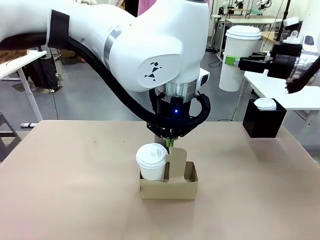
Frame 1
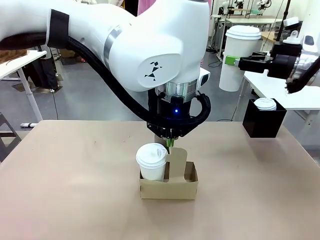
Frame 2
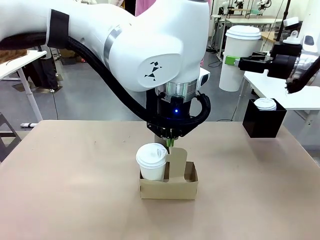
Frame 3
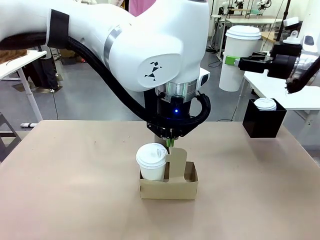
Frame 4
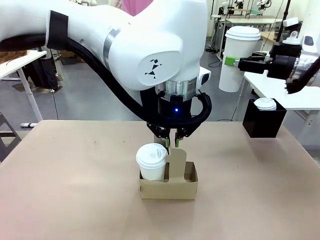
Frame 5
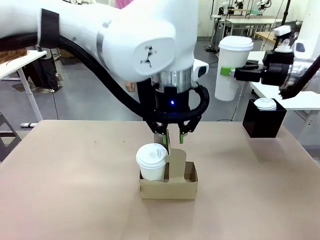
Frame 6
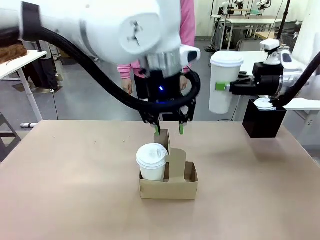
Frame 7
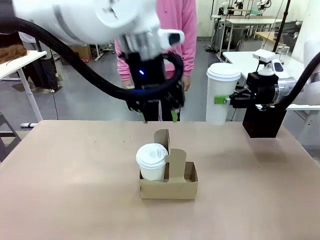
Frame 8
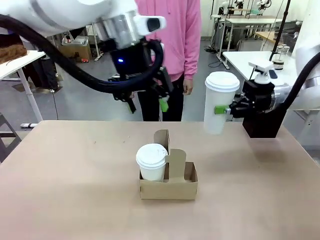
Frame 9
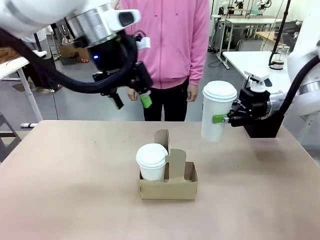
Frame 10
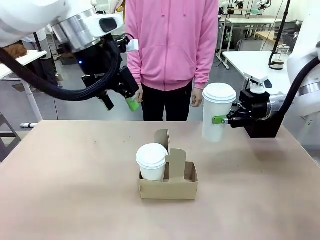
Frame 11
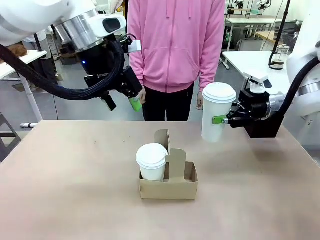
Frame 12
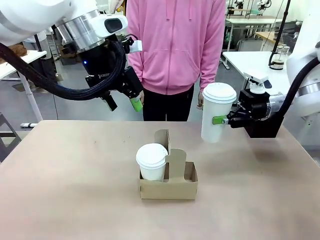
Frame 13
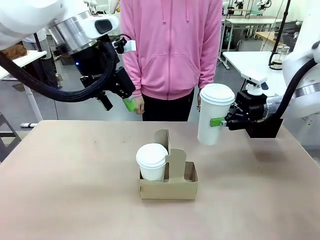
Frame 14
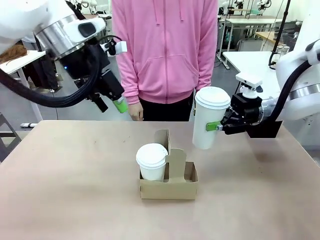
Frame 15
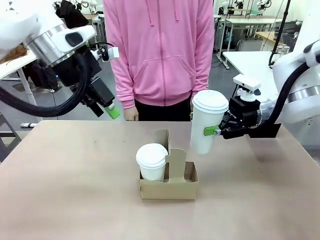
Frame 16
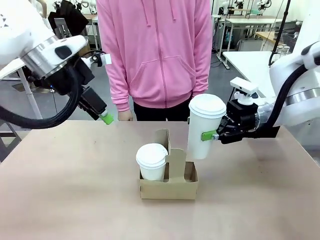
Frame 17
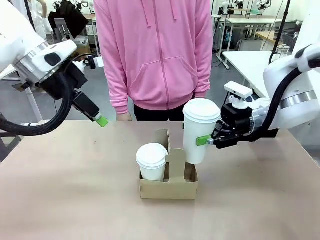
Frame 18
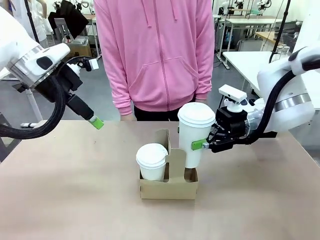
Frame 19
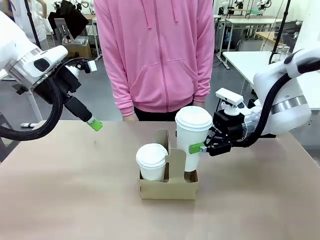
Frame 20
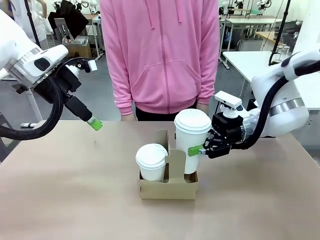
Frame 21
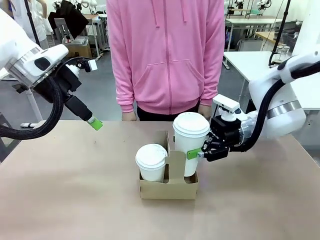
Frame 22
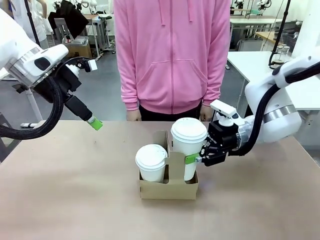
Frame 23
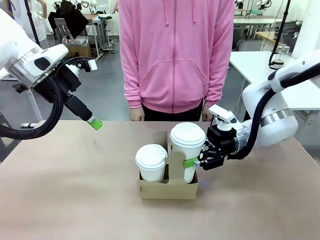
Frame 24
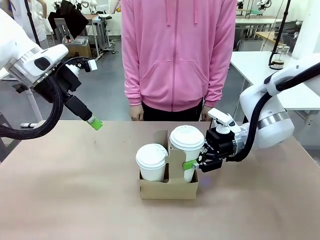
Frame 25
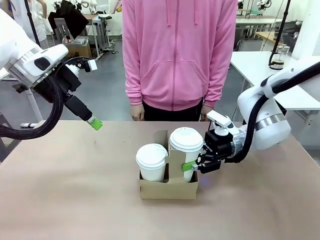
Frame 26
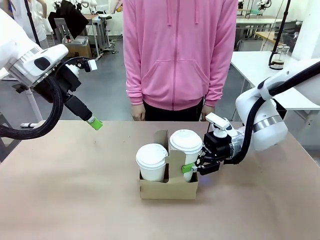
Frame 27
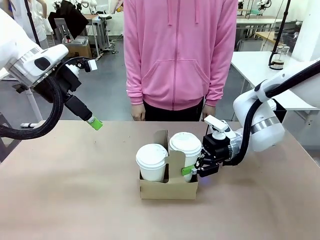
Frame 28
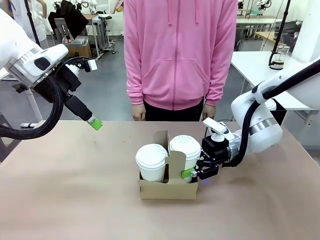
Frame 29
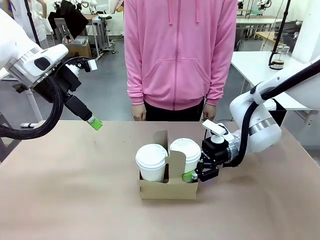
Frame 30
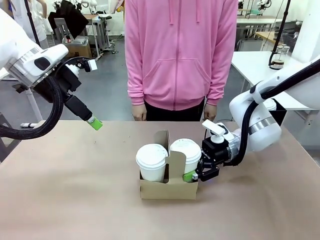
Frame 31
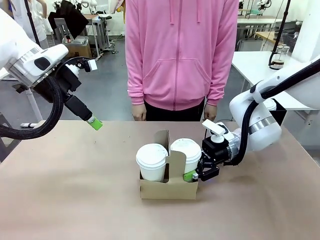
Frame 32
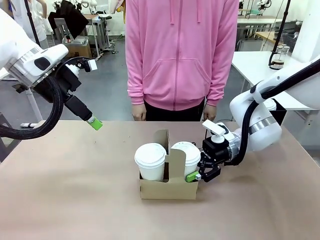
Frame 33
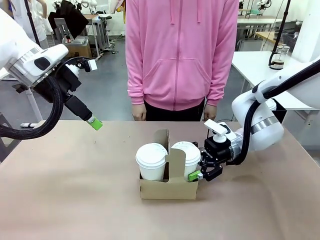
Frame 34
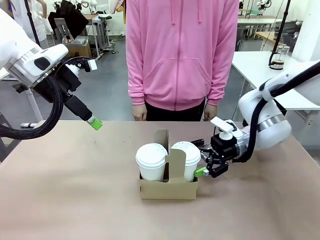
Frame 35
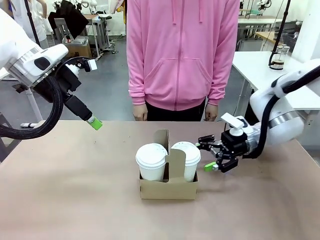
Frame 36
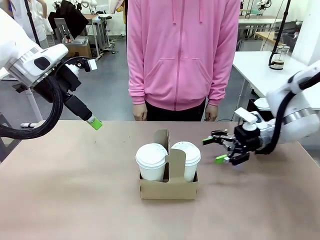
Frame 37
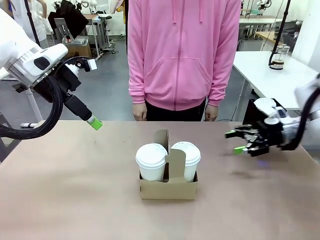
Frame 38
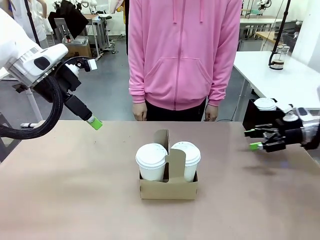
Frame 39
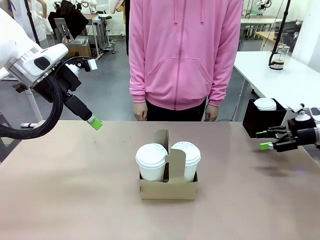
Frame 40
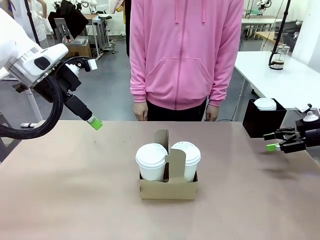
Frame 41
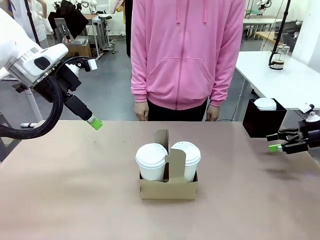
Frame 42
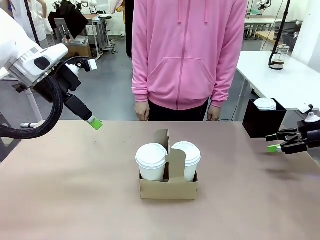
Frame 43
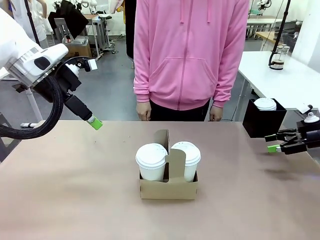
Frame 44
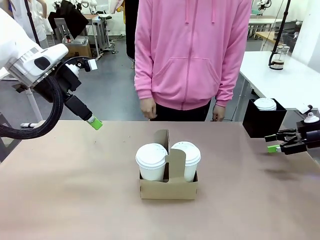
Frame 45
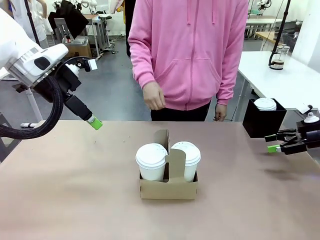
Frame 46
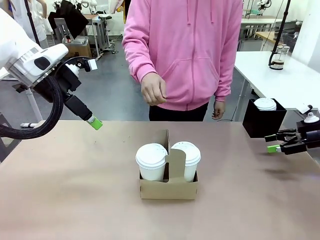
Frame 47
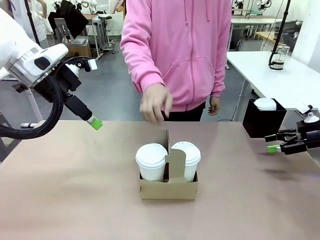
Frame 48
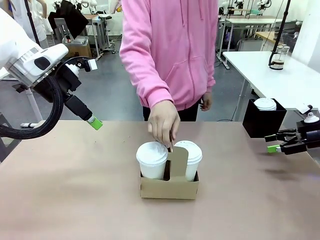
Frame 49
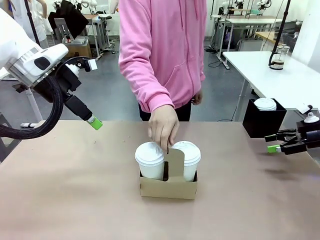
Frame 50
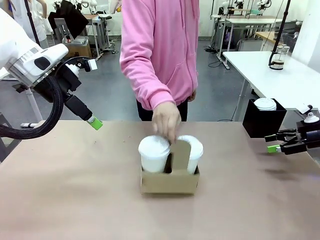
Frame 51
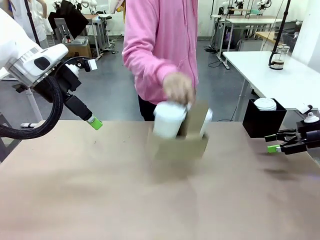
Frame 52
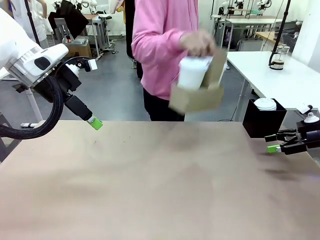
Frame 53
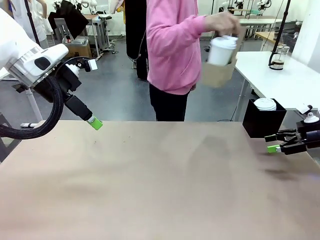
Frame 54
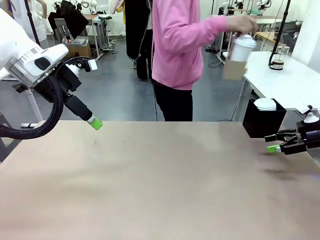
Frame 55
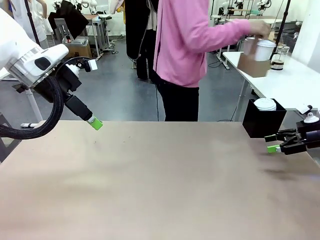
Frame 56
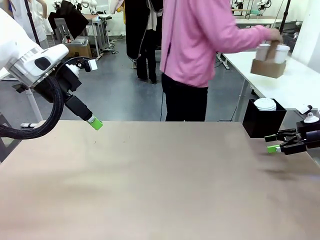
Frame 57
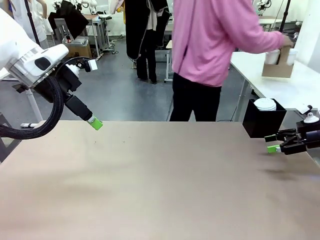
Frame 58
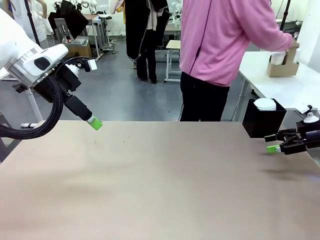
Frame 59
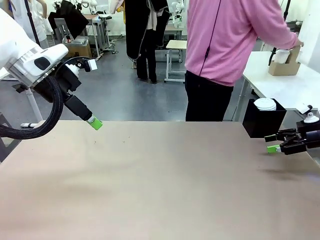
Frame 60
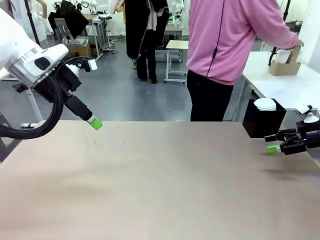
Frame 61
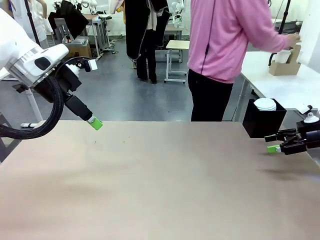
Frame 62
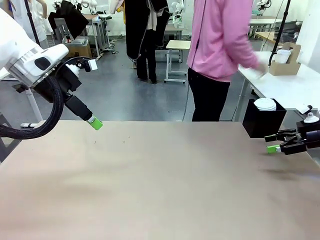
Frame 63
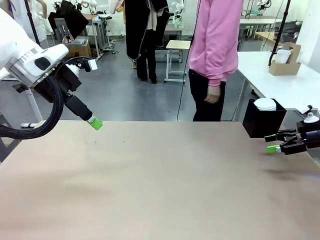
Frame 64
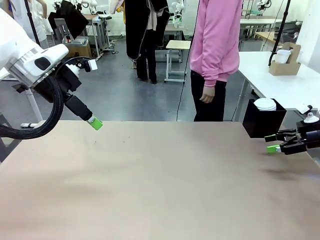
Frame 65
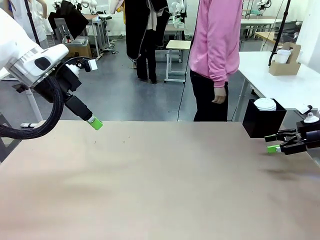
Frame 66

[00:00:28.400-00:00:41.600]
Task: Pour a drink into a cup and package it in a carrier.
Robot: Insert the held 600 ml Paper Cup into the Cup Carrier.
Person: Place the Cup Carrier to the middle of Human table.

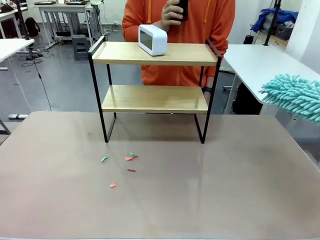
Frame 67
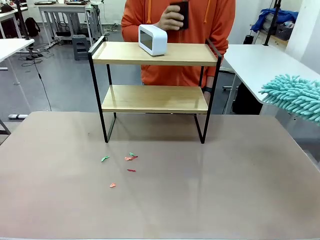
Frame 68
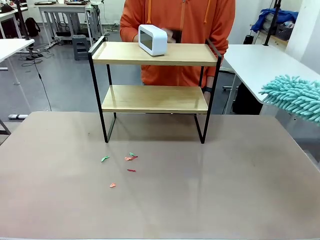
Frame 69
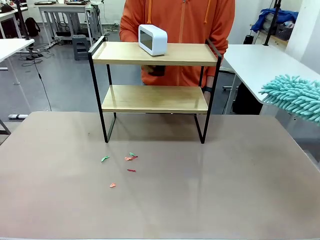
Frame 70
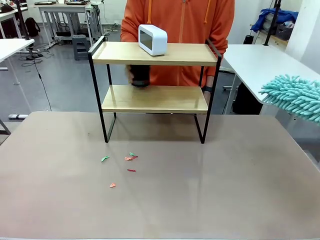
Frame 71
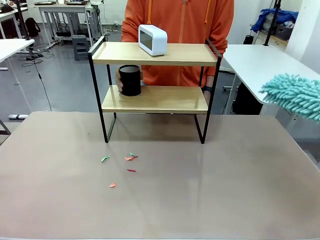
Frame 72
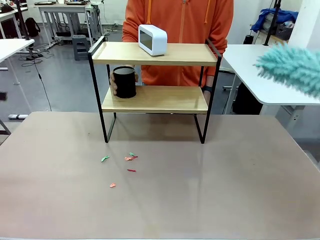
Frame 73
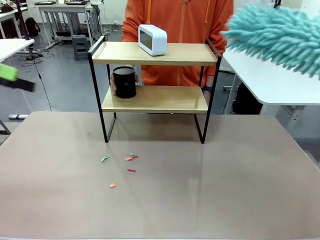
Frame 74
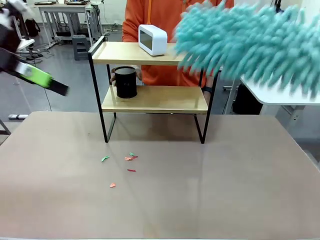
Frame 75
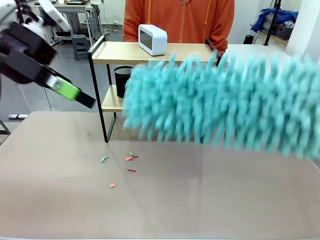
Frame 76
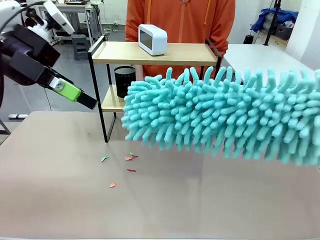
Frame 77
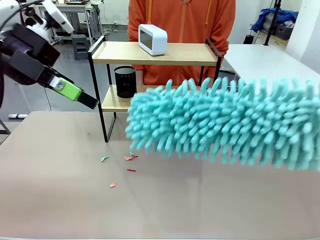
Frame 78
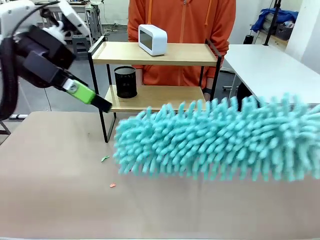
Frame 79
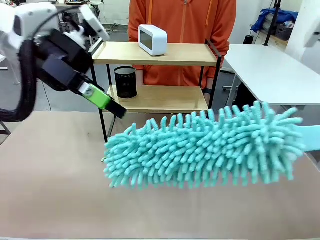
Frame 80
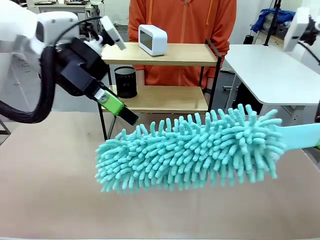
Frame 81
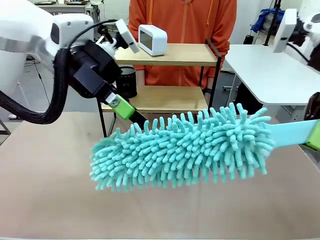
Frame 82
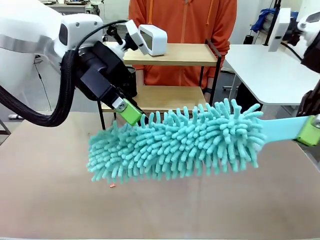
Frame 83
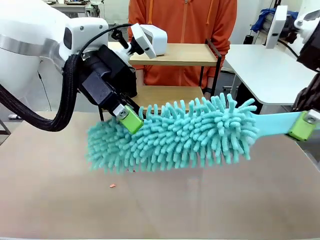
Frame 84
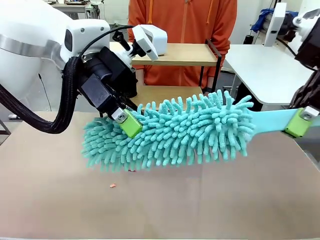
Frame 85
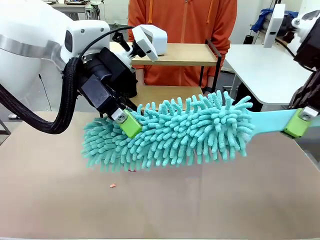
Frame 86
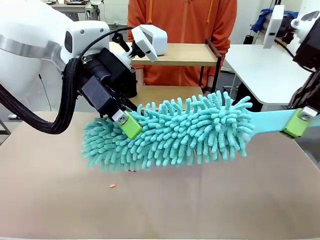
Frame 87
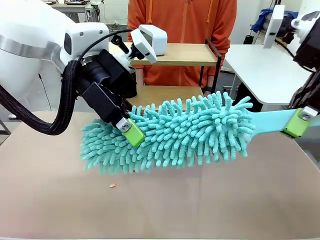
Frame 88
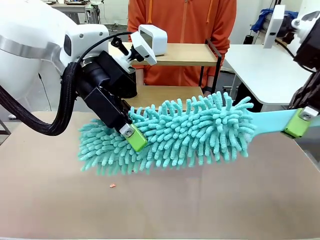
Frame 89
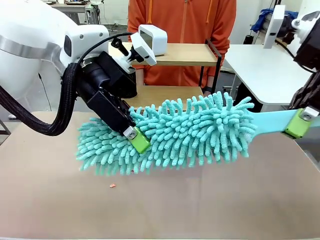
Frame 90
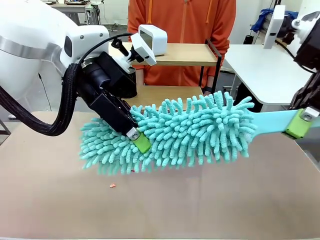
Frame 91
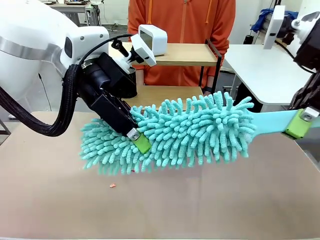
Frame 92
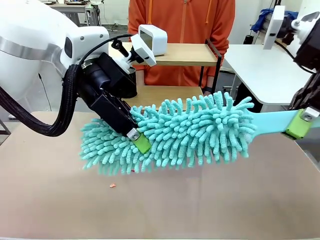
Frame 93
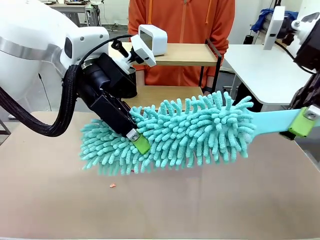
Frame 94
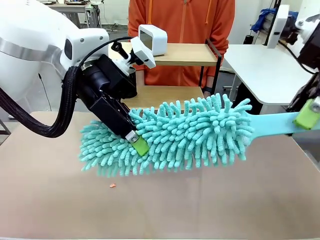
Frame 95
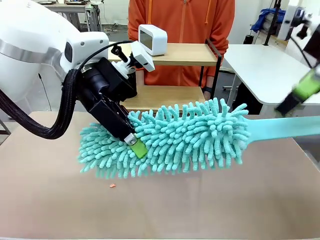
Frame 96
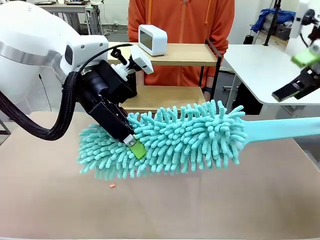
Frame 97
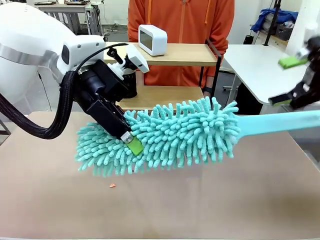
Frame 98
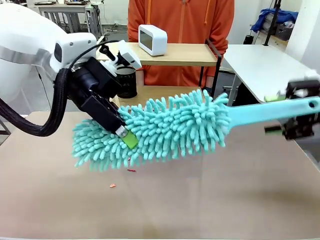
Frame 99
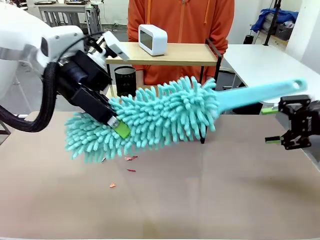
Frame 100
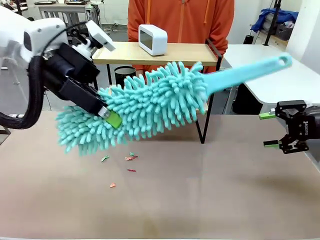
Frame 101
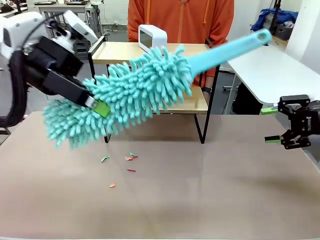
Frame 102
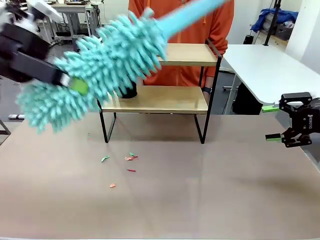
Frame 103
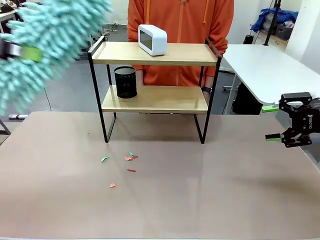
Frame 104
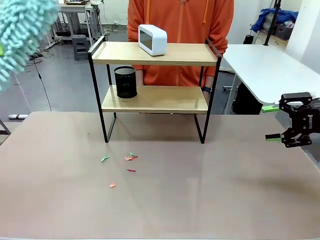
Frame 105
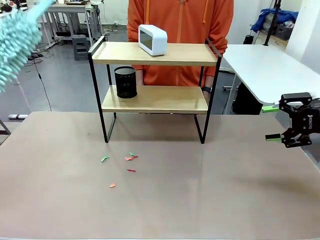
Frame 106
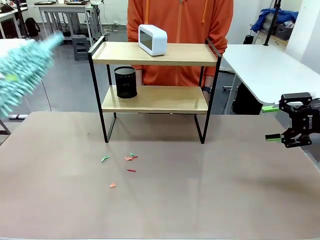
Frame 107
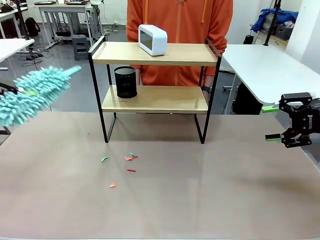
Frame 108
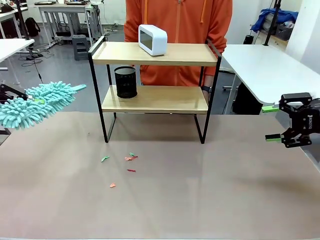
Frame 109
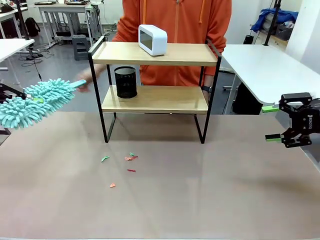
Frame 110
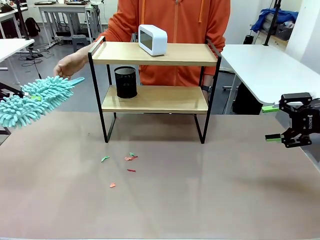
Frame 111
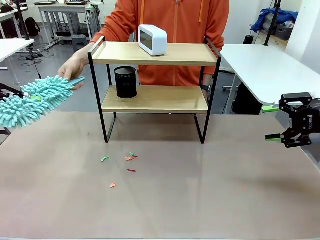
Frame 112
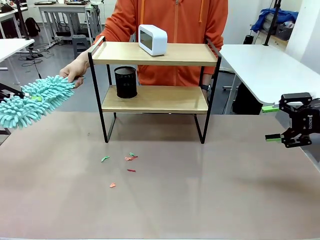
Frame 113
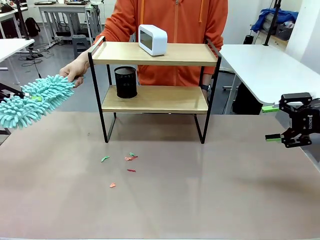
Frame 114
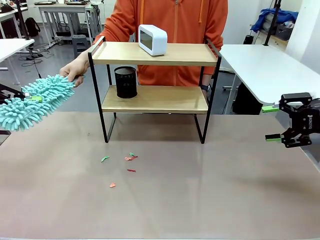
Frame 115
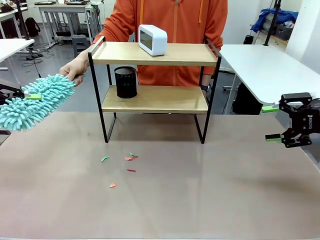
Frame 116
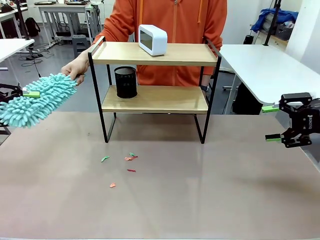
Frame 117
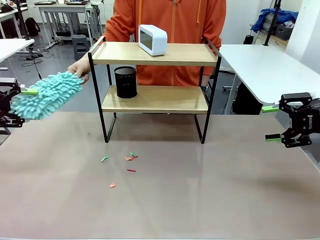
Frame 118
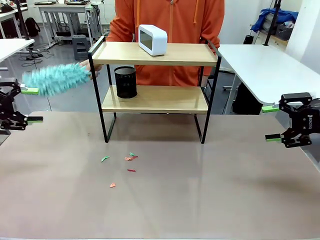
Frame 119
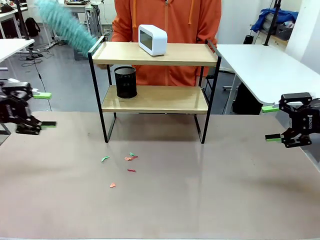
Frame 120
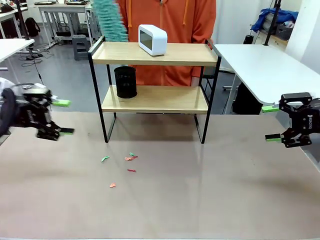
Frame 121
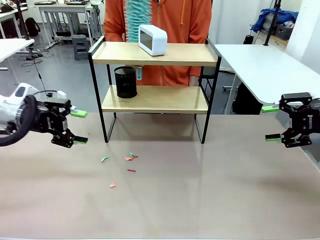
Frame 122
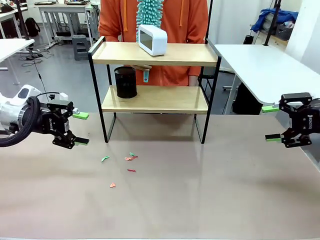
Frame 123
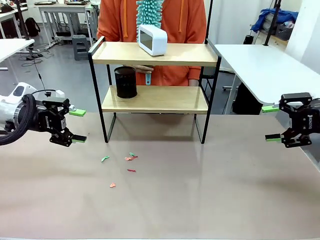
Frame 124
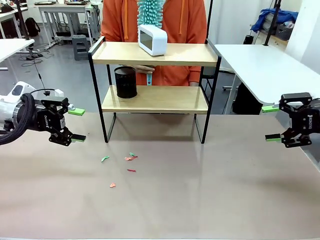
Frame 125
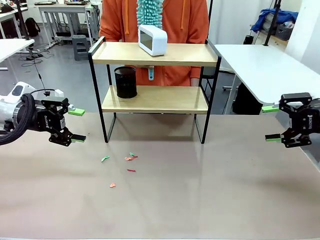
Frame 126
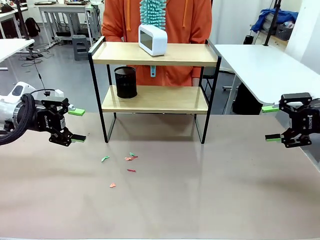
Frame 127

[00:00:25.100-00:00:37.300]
Task: Clean the shelf.
Robot: Hand the Duster back to the human.
Person: Receive the Duster from the robot.
